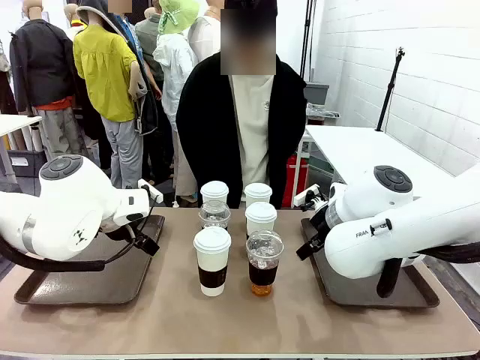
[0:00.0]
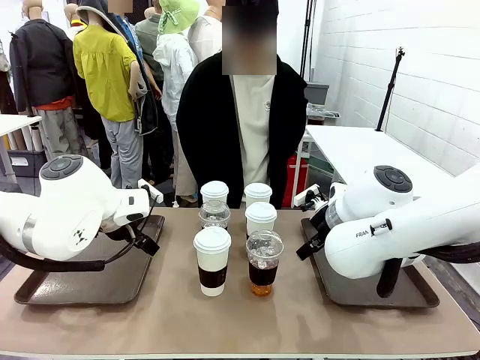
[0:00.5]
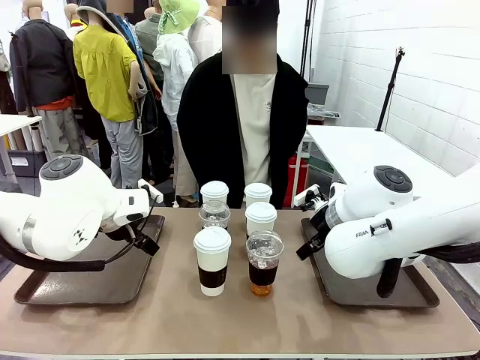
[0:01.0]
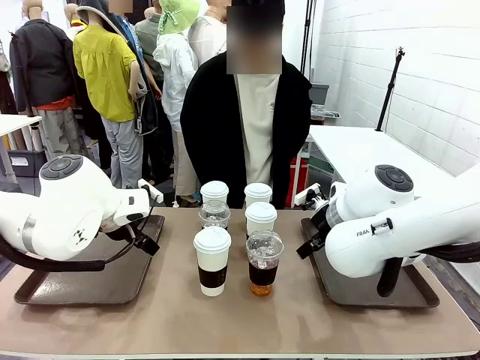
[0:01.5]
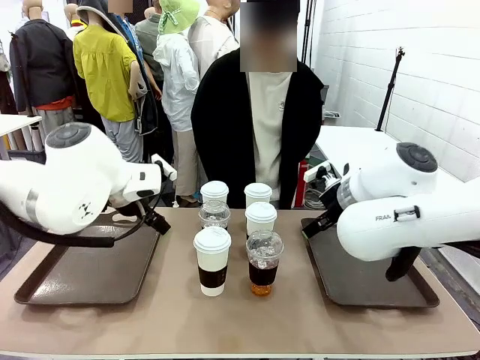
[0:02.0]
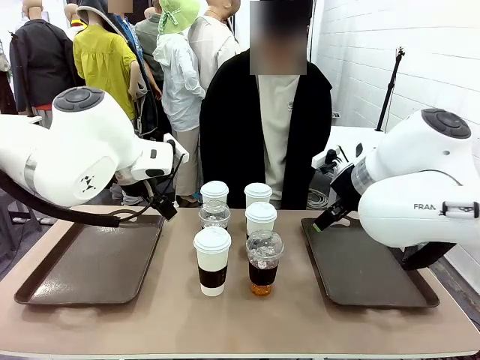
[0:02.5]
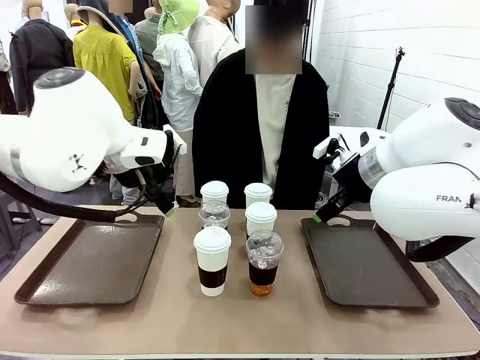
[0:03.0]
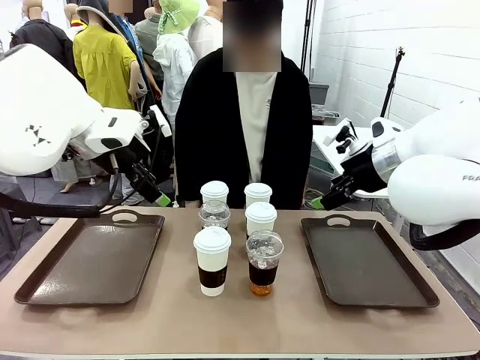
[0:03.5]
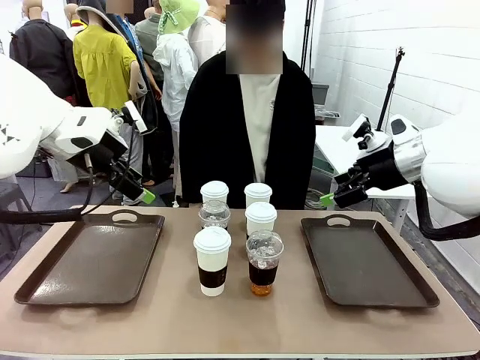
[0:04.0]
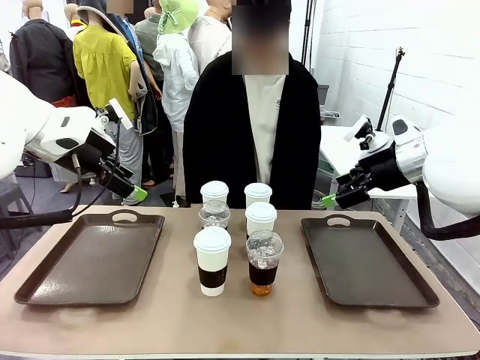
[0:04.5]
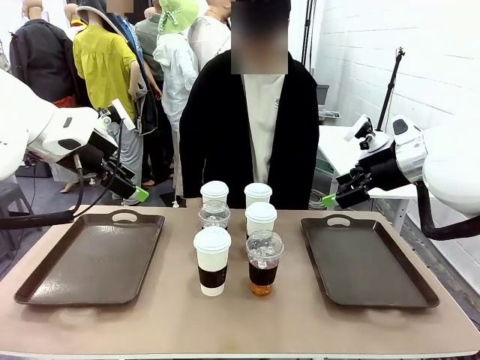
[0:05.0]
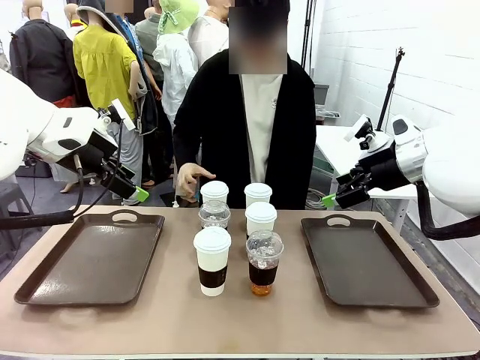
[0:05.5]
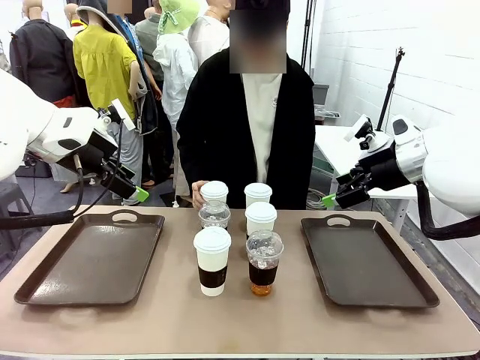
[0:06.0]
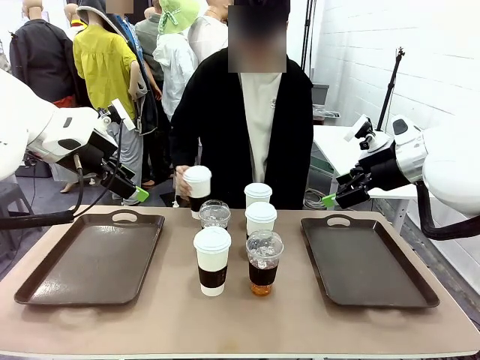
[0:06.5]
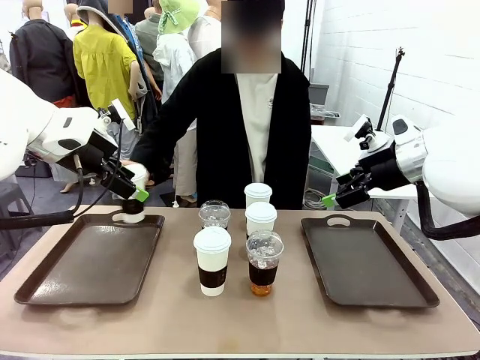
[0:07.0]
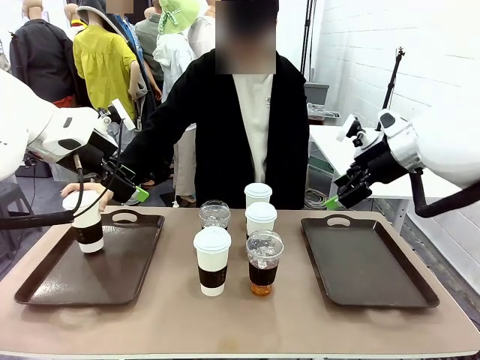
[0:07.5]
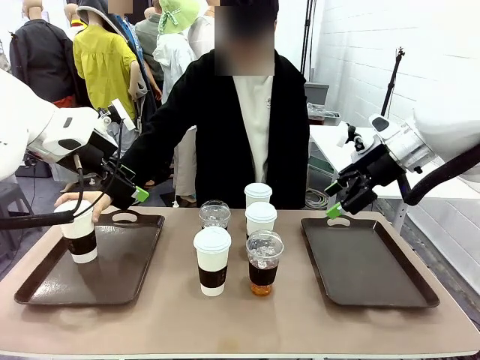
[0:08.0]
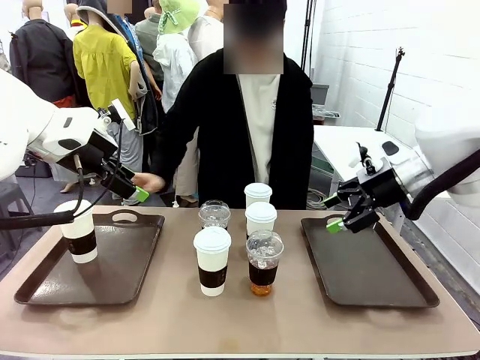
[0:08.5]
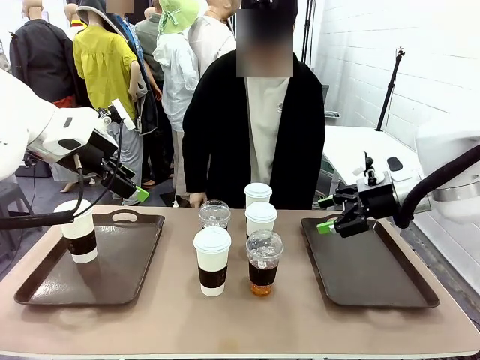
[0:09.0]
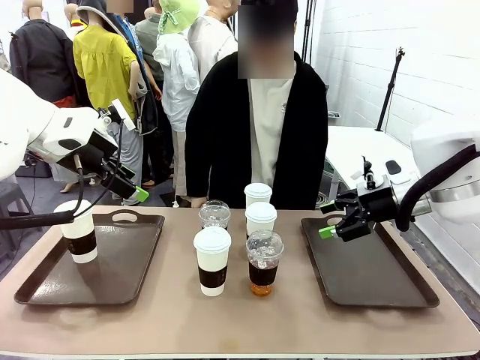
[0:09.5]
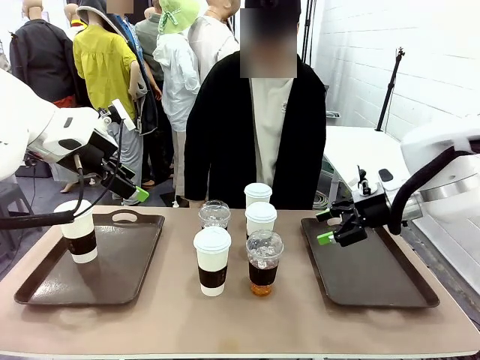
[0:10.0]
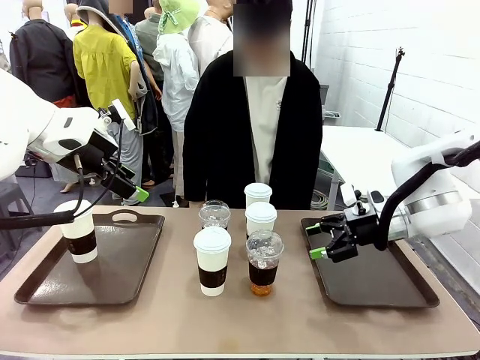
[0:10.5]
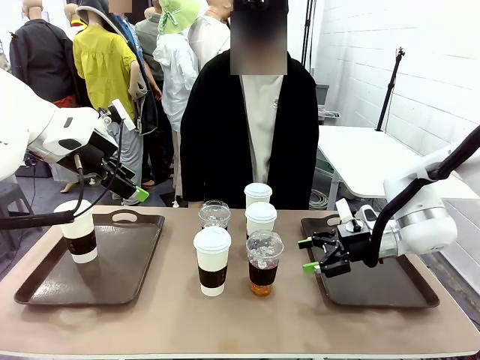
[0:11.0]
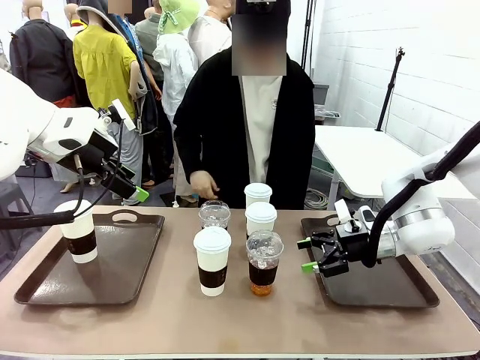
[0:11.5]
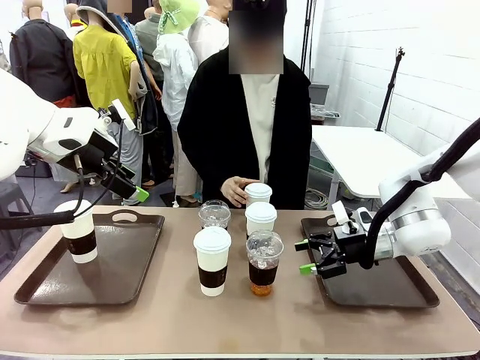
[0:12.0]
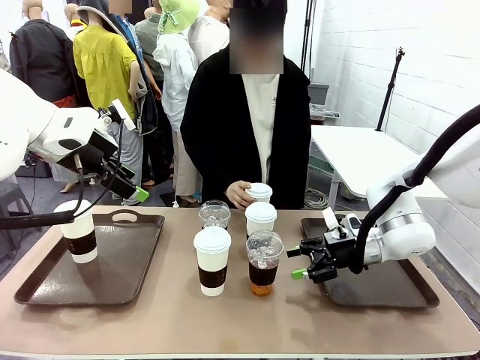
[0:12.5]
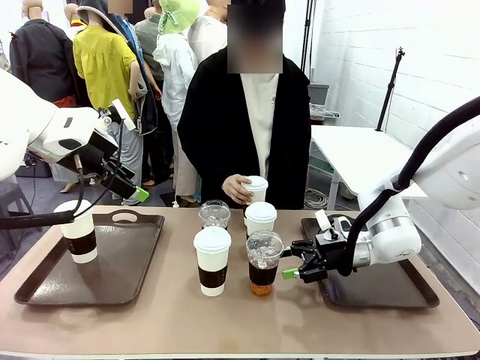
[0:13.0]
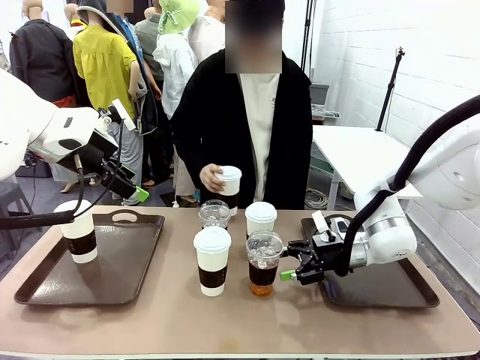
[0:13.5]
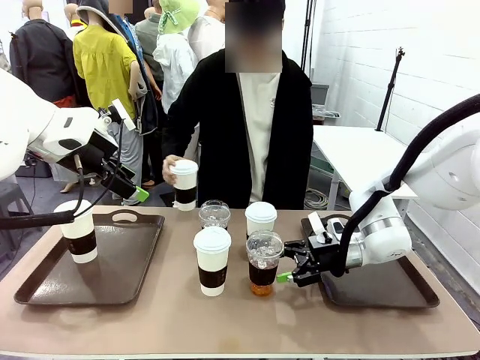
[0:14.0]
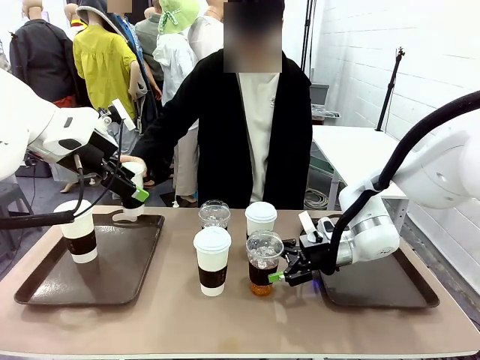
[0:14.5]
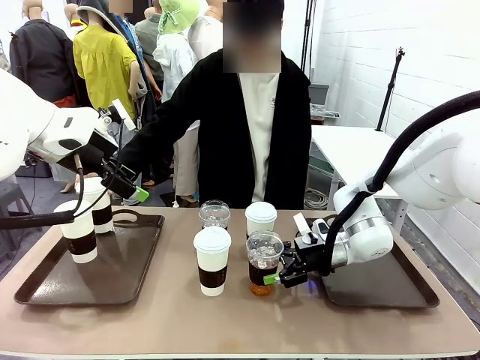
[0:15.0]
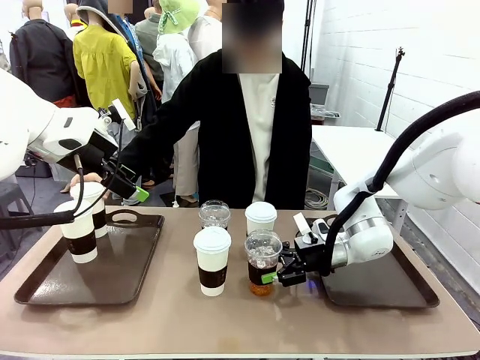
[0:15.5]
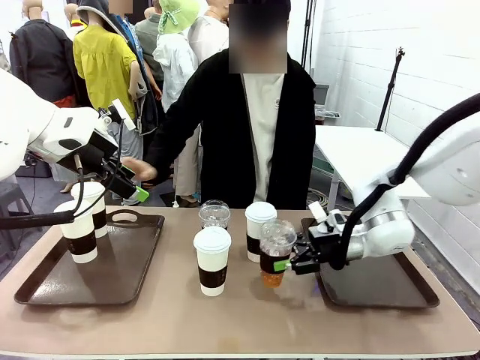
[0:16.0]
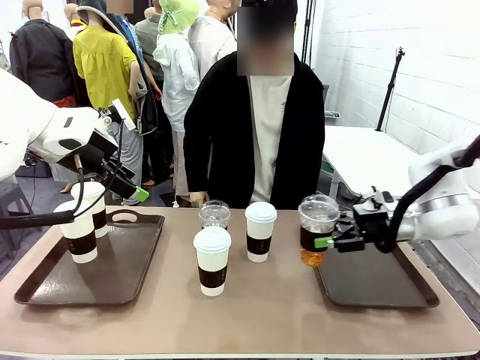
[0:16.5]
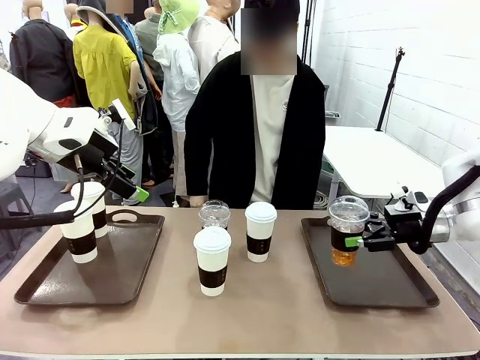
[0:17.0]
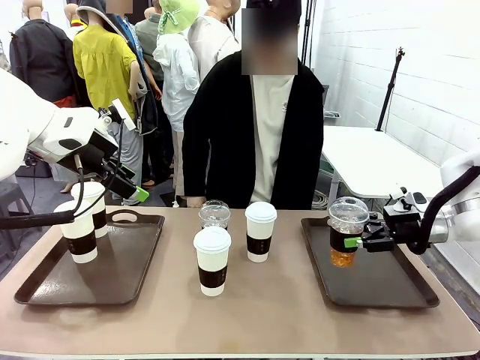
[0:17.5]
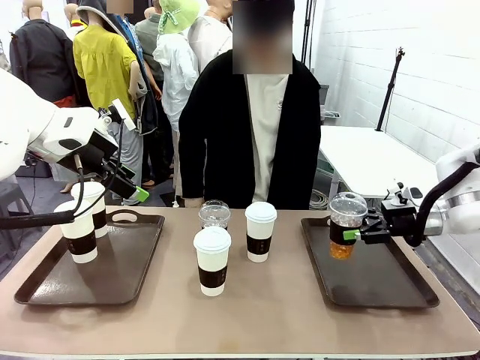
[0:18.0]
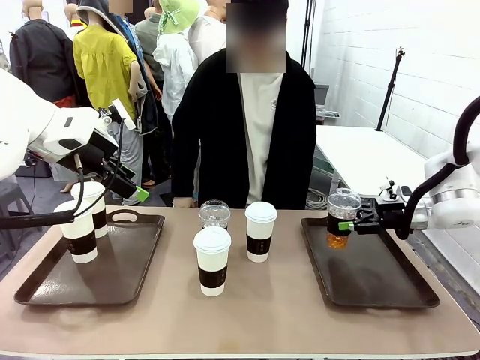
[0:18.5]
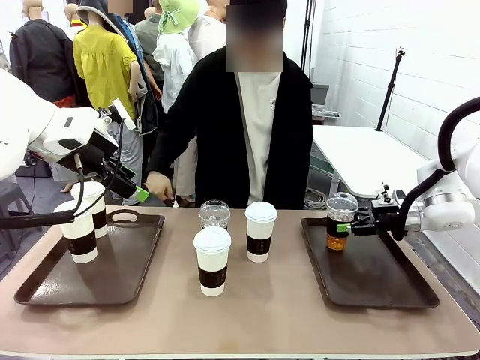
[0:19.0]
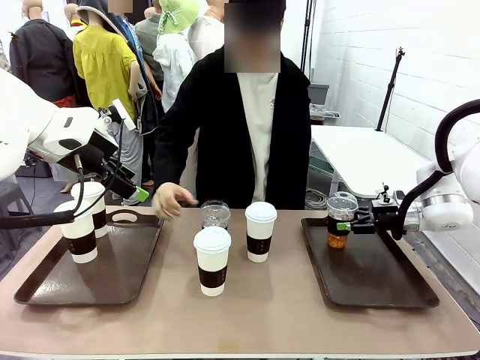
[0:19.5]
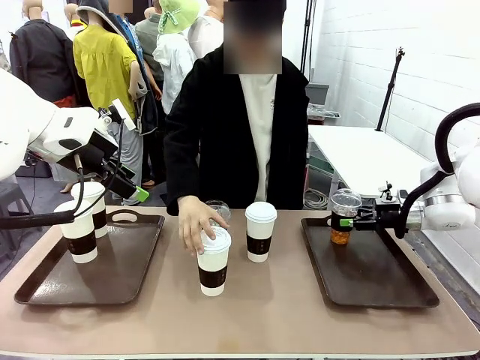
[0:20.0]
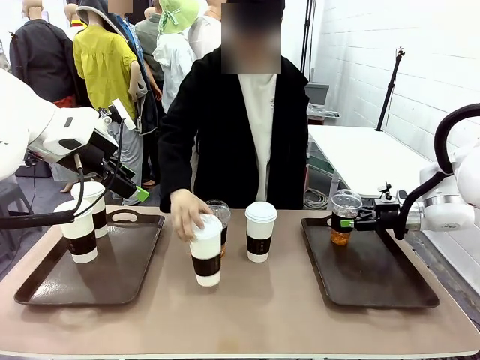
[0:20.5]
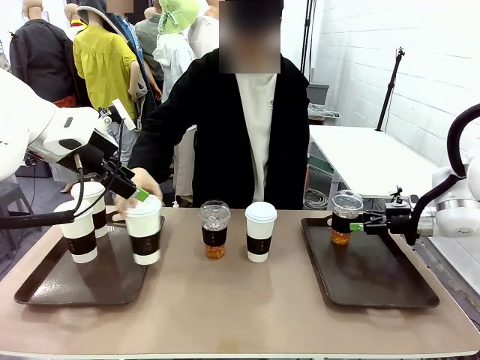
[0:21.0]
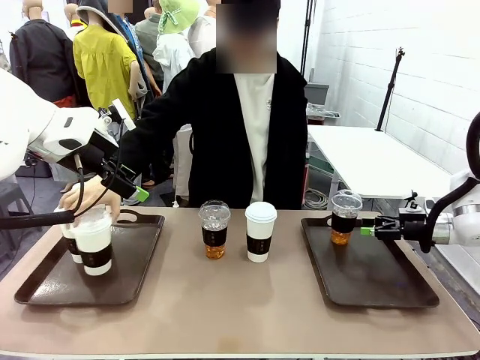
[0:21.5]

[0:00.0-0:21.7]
Task: Distribute the coffee onto the tray.
Robot: Pick up one iced Americano and place it on the right Handle tray.
Person: Pick up a cup of hot Americano and place it on the right tray.
